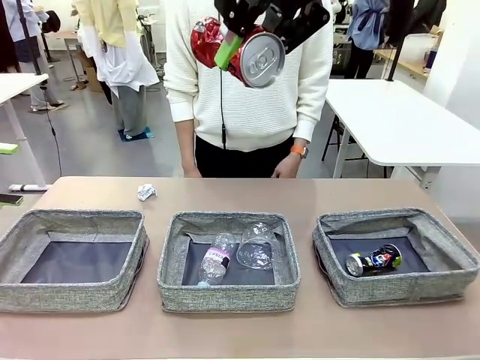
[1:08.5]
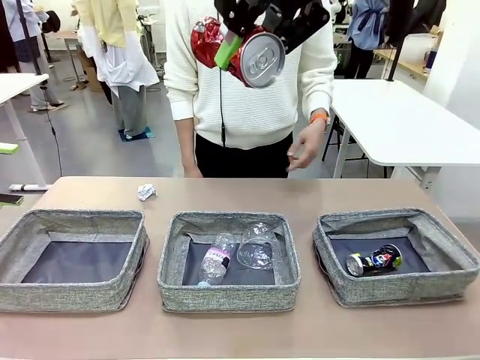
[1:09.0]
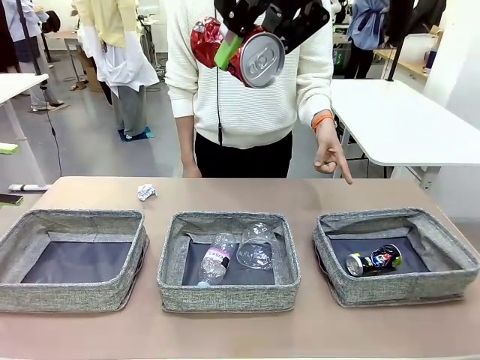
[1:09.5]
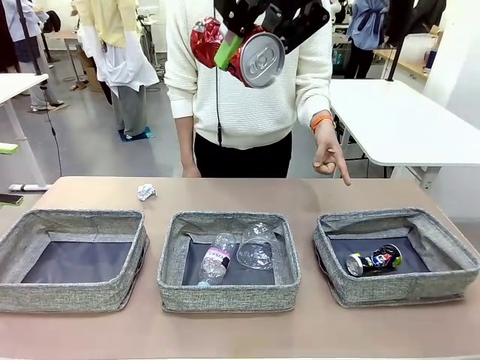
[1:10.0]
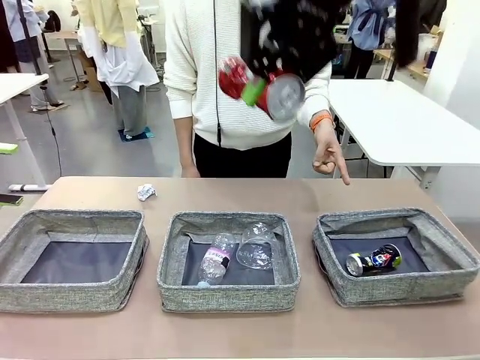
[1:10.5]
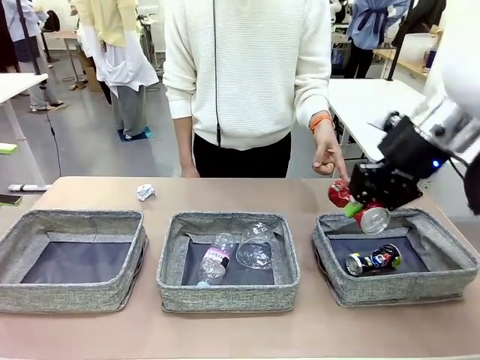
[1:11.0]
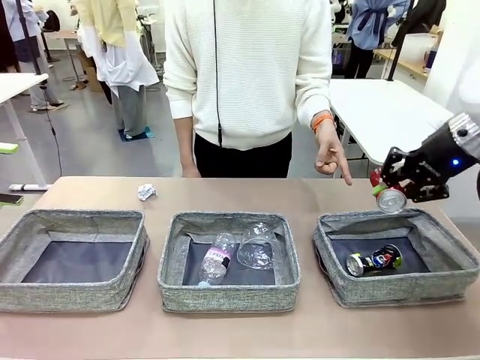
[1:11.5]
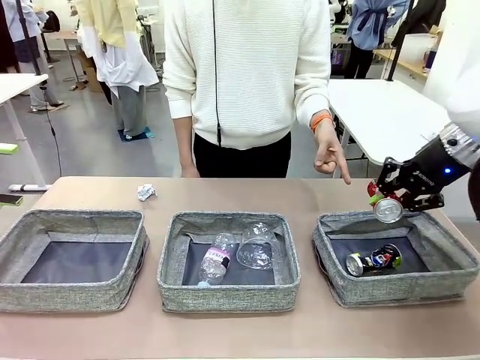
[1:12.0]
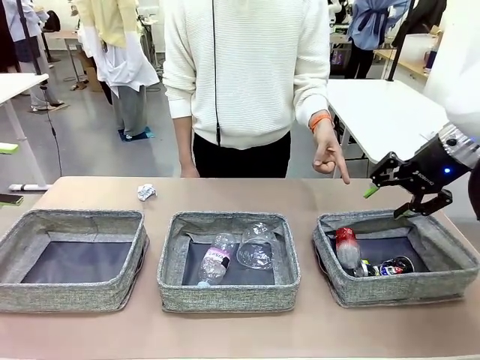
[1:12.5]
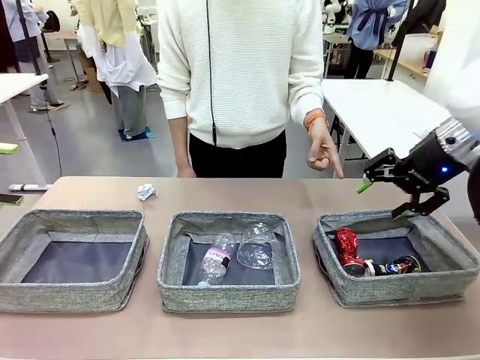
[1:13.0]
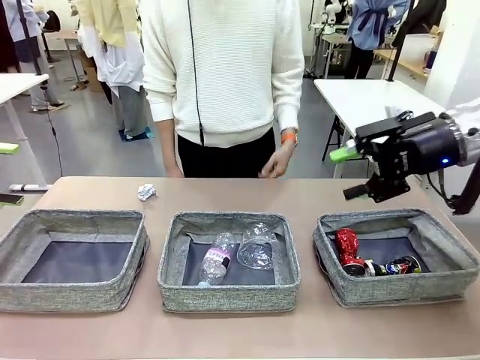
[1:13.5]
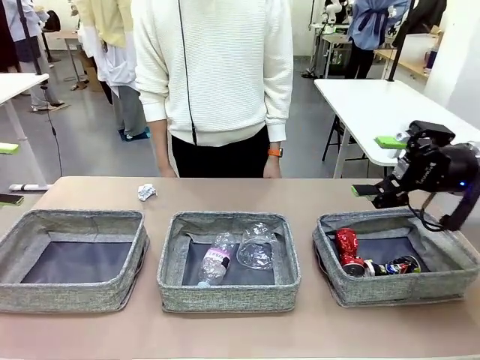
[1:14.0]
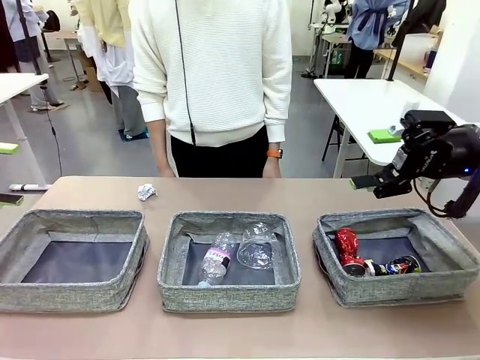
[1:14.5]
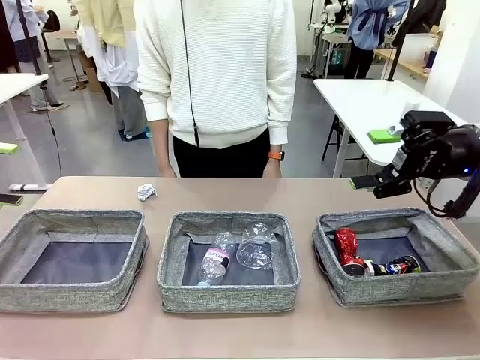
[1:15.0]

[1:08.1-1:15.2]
Task: Sort the waste into the appropriate baskets.
Robot: Place the picked waste into the Fabric basket indicated by the person.
Person: Instructs the robot to place the picked-up trash into the appropriate organizing basket.

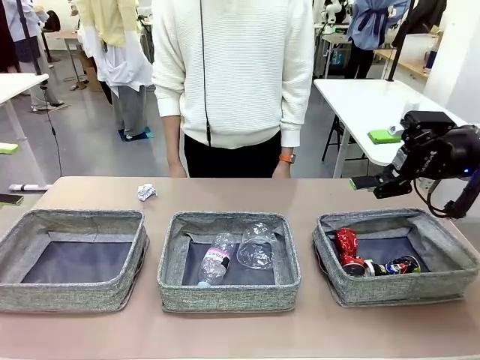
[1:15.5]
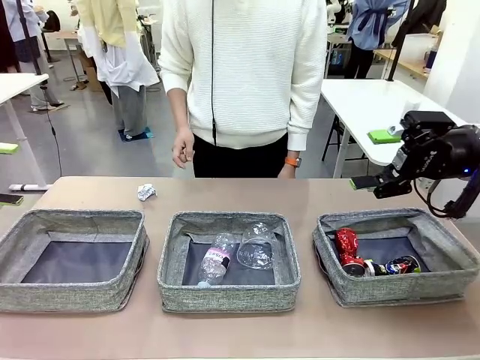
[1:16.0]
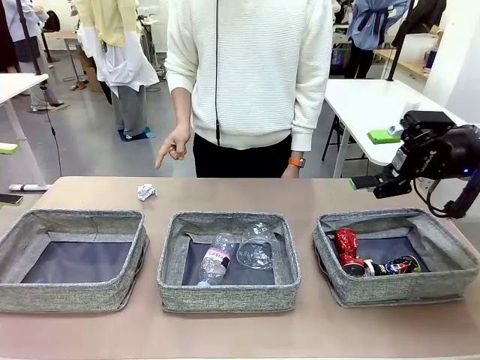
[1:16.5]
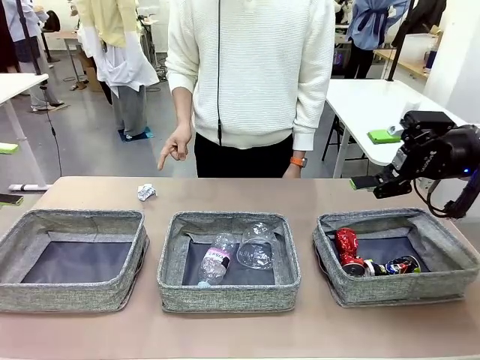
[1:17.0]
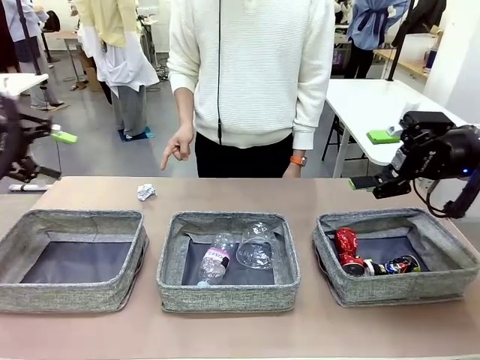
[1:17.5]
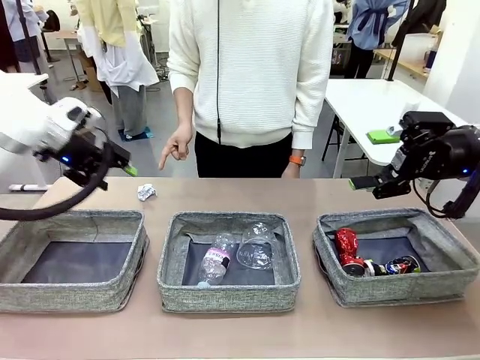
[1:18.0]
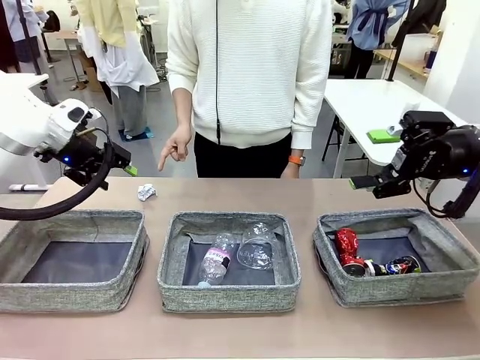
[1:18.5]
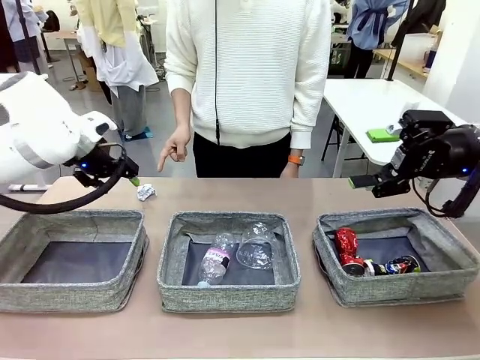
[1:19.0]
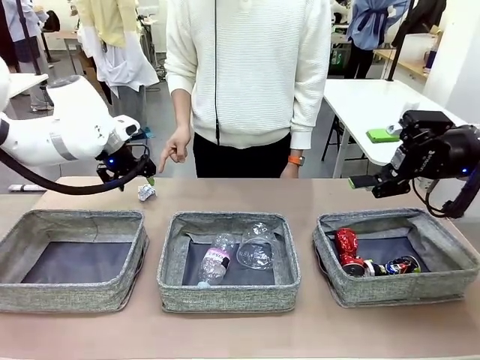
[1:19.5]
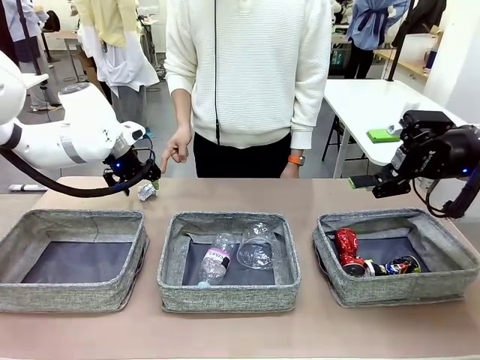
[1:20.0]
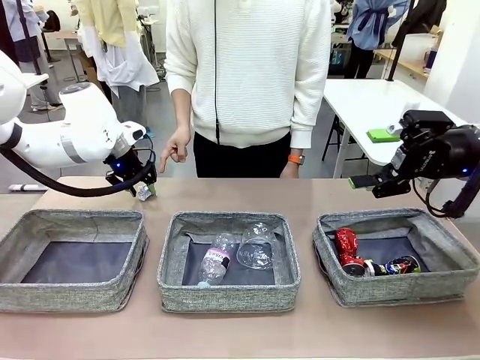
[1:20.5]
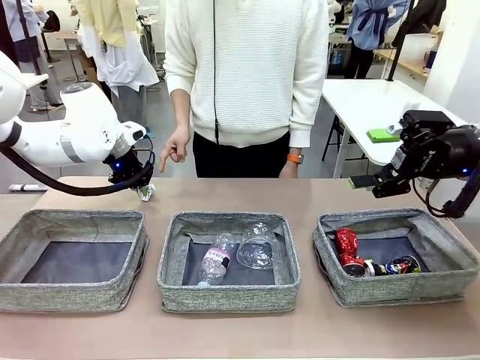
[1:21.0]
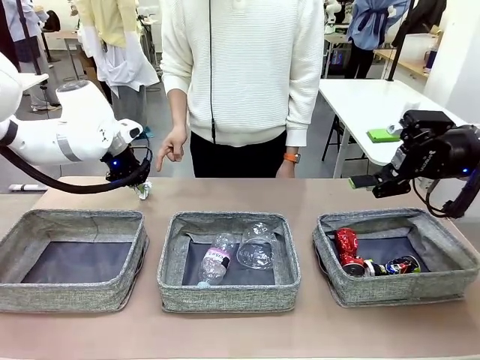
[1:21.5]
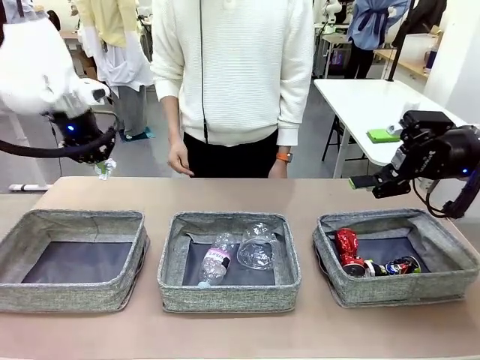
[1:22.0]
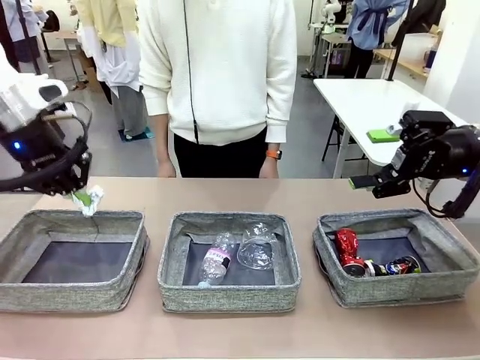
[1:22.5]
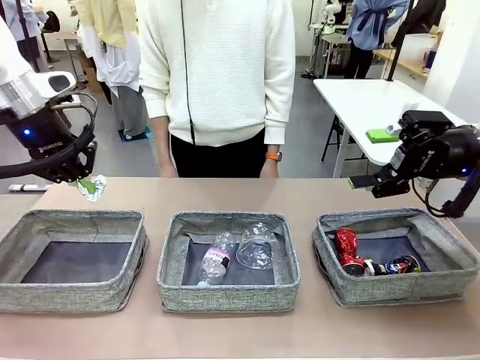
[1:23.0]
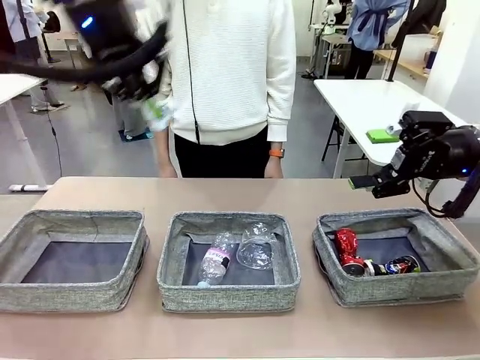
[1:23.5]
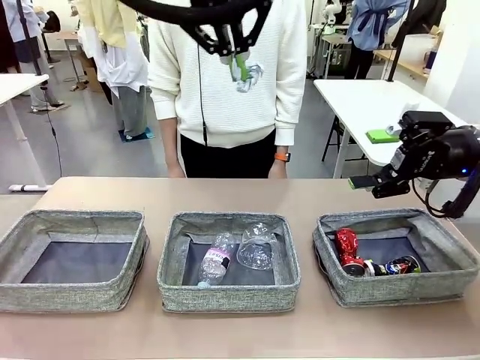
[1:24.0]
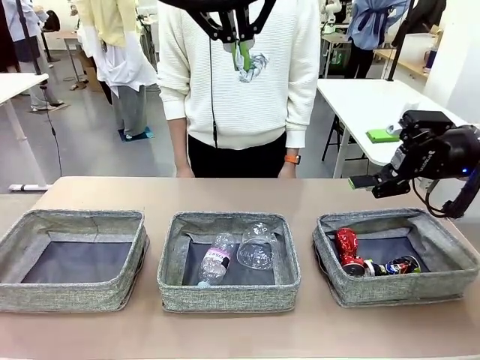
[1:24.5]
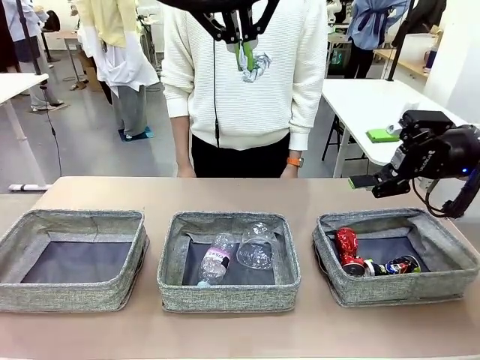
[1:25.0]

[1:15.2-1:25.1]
Robot: Pick up the waste item pointed out by the person.
Person: Points to one piece of trash on the table.

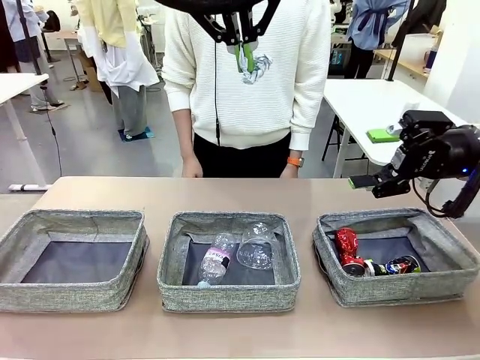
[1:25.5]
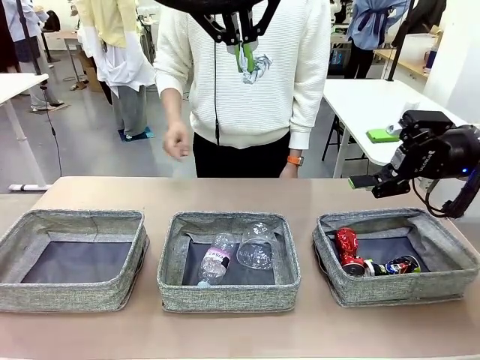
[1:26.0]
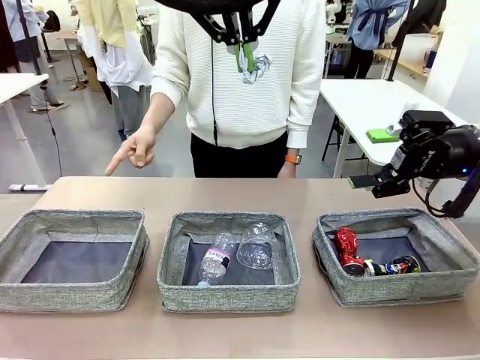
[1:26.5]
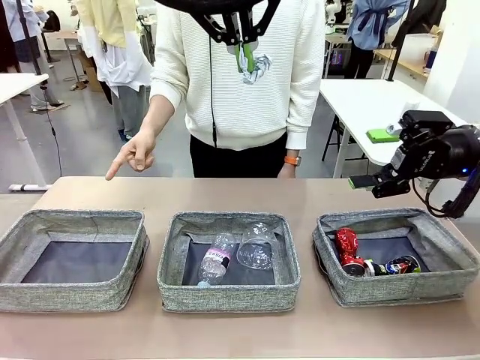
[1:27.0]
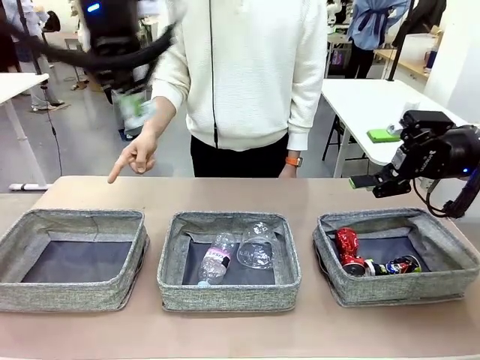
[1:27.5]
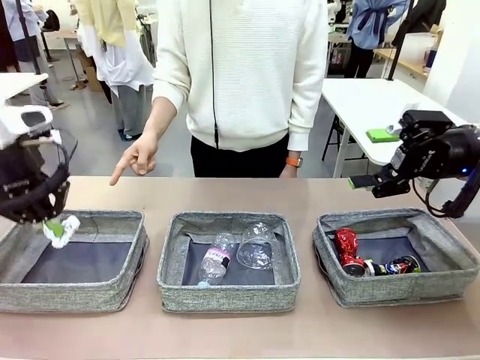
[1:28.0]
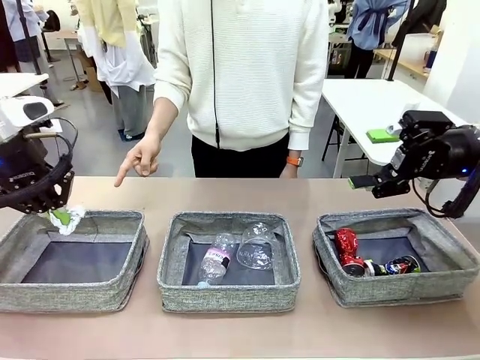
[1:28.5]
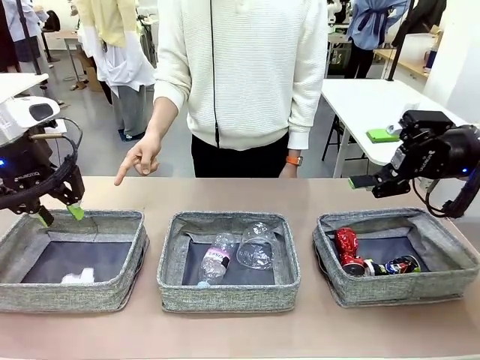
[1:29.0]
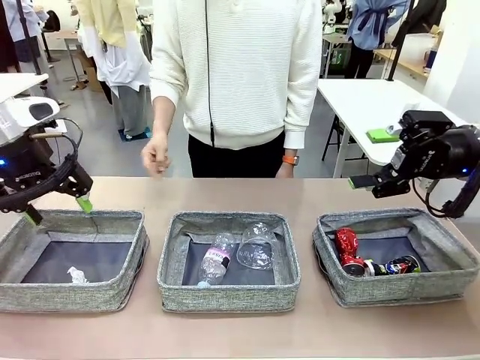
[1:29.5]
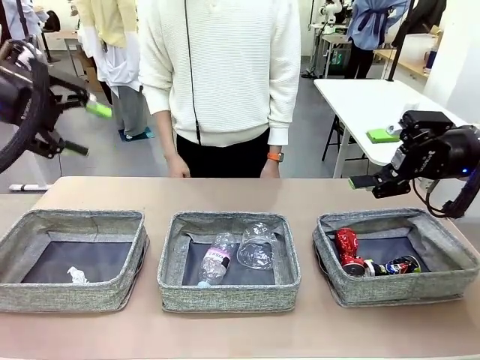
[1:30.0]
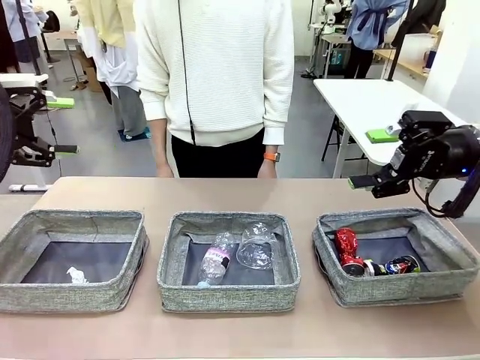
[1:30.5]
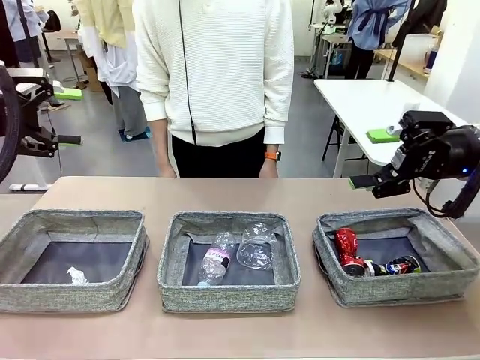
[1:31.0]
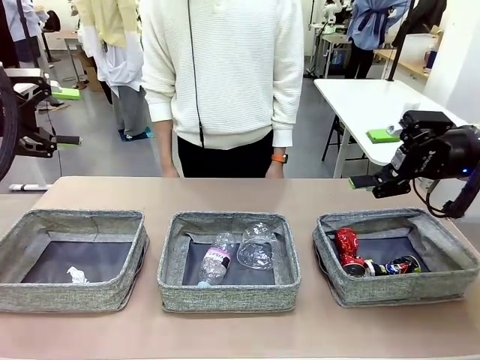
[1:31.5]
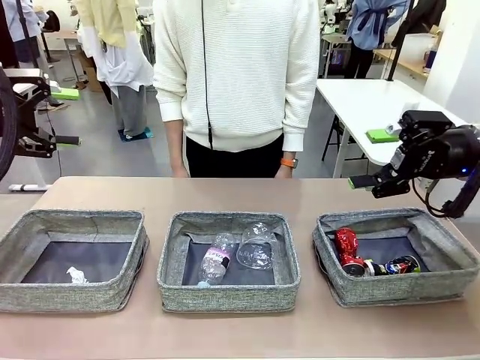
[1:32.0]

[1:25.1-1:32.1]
Robot: Place the picked waste into the Fabric basket indicated by the person.
Person: Instructs the robot to place the picked-up trash into the appropriate organizing basket.

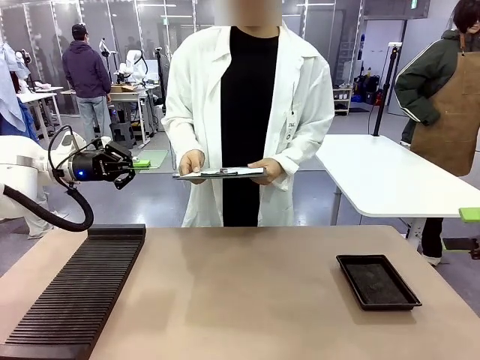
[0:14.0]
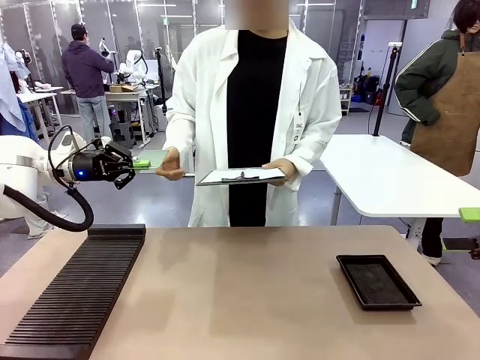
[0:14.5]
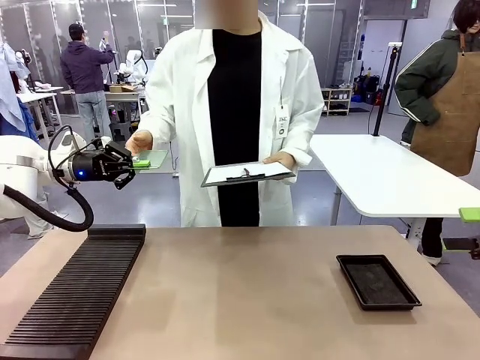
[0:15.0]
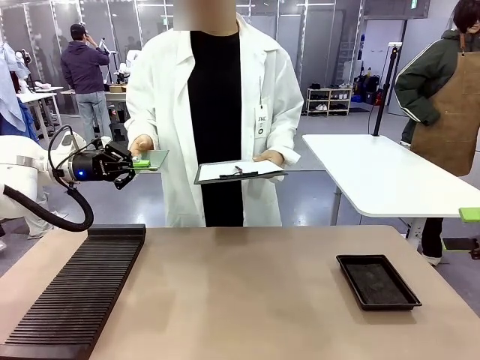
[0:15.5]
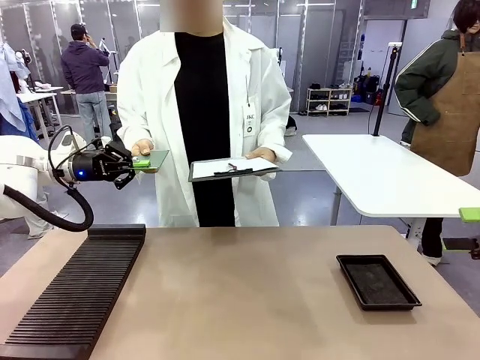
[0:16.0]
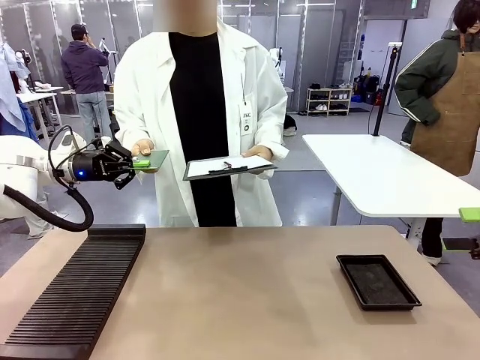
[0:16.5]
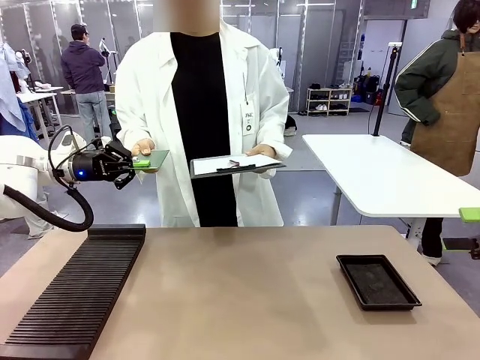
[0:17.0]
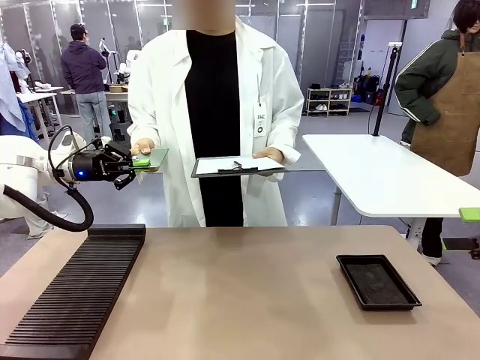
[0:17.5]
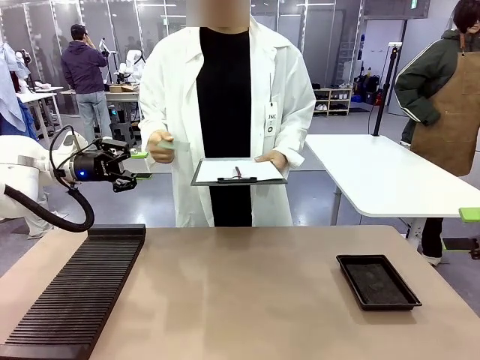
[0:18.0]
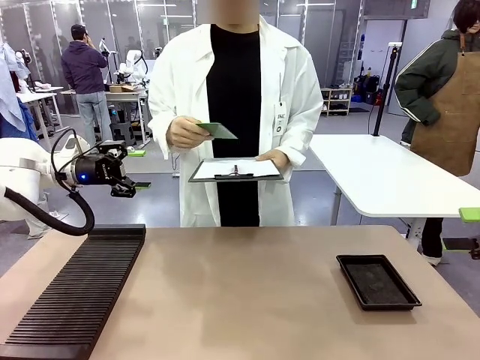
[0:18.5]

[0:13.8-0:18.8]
Task: Inspect the PCB.
Robot: Release the Blank PCB you were holding.
